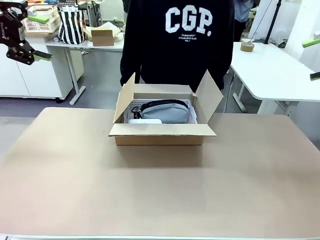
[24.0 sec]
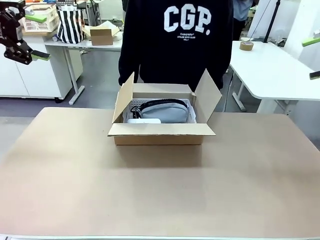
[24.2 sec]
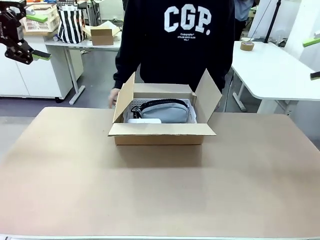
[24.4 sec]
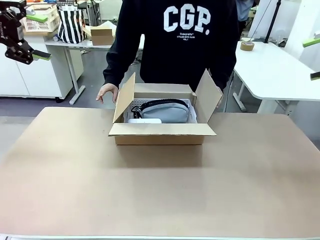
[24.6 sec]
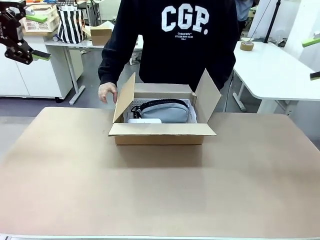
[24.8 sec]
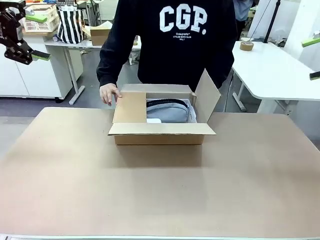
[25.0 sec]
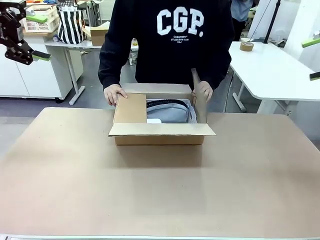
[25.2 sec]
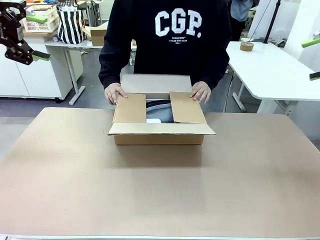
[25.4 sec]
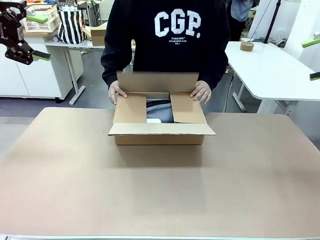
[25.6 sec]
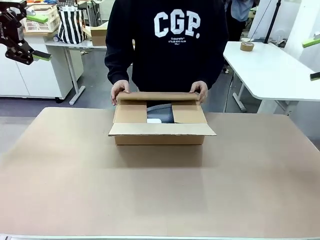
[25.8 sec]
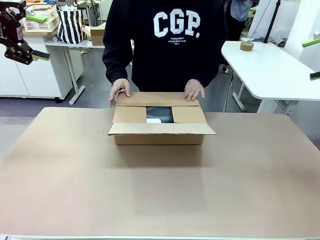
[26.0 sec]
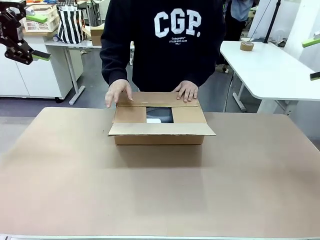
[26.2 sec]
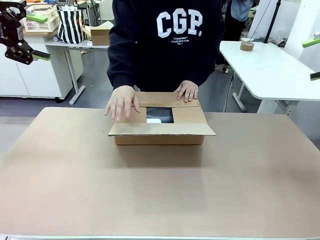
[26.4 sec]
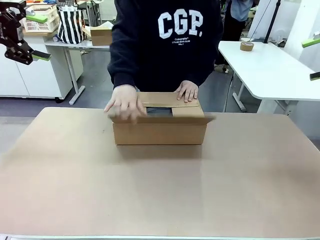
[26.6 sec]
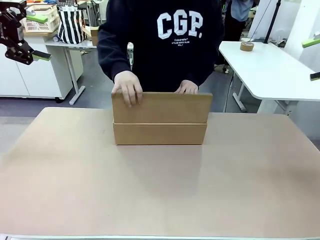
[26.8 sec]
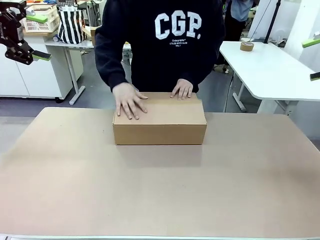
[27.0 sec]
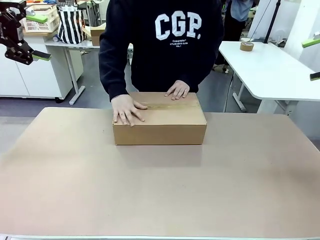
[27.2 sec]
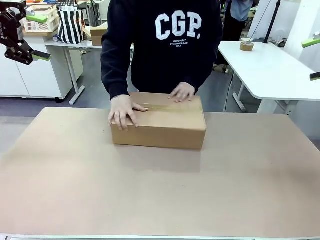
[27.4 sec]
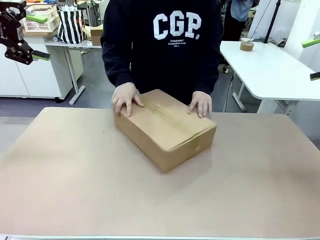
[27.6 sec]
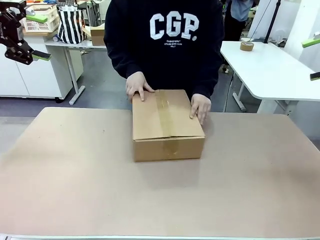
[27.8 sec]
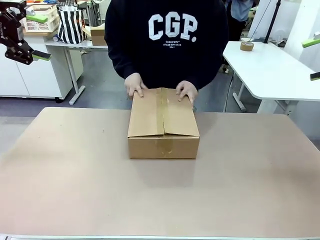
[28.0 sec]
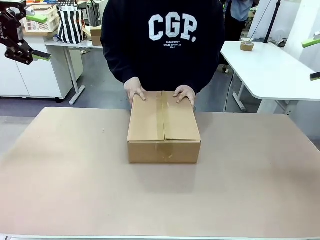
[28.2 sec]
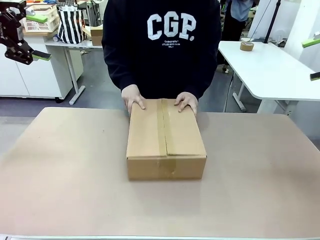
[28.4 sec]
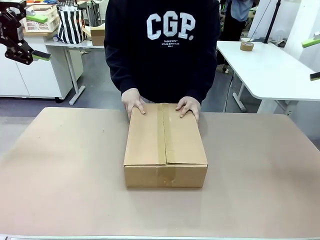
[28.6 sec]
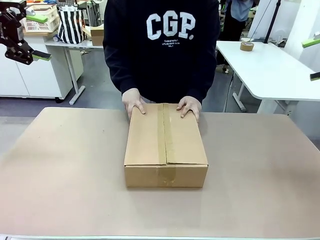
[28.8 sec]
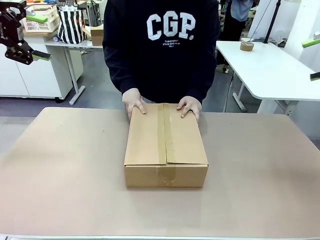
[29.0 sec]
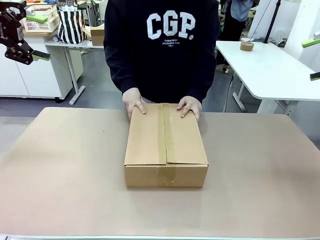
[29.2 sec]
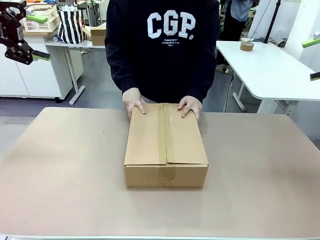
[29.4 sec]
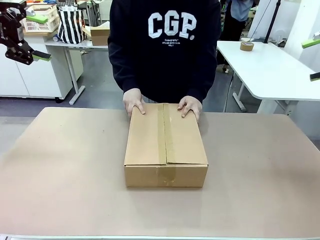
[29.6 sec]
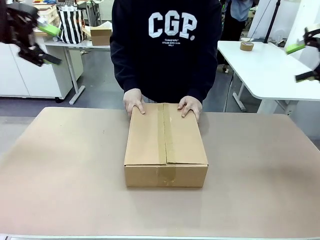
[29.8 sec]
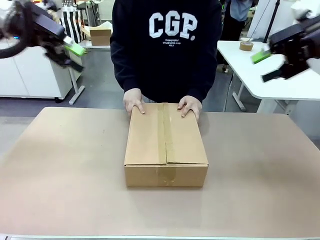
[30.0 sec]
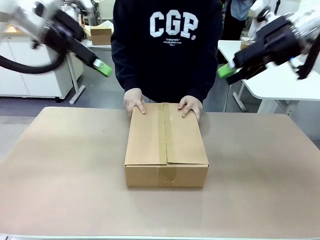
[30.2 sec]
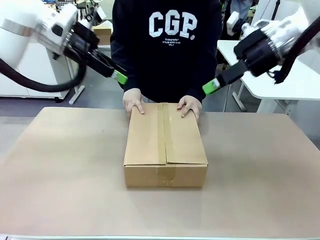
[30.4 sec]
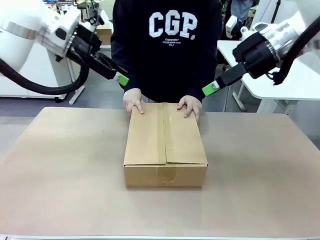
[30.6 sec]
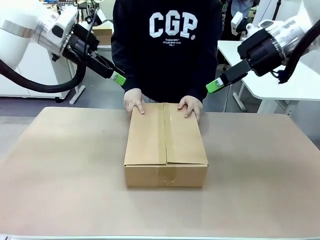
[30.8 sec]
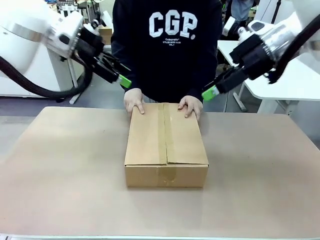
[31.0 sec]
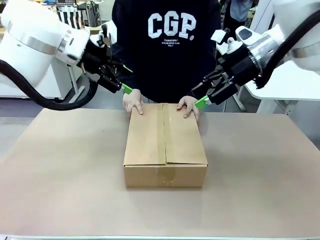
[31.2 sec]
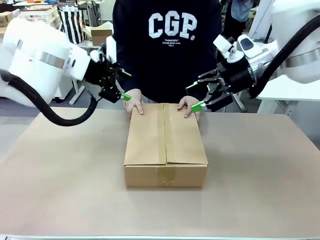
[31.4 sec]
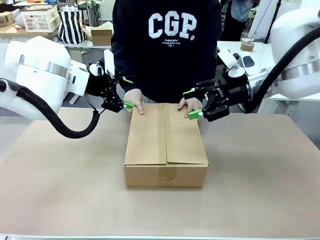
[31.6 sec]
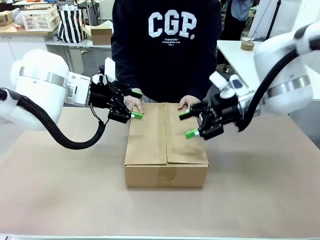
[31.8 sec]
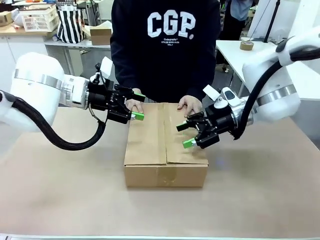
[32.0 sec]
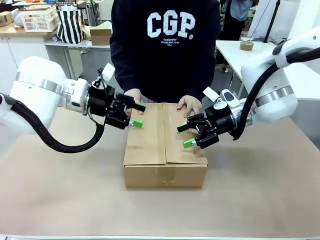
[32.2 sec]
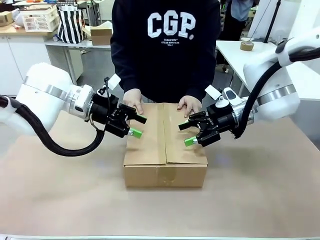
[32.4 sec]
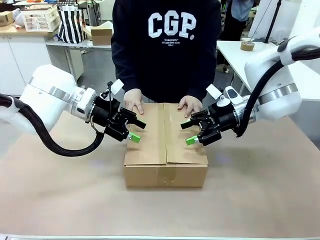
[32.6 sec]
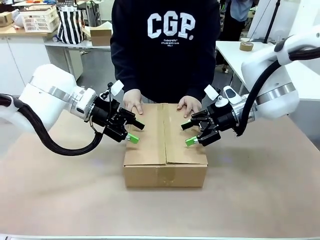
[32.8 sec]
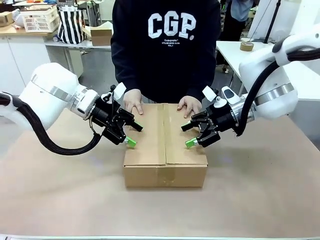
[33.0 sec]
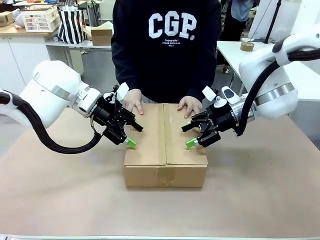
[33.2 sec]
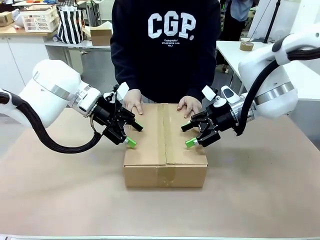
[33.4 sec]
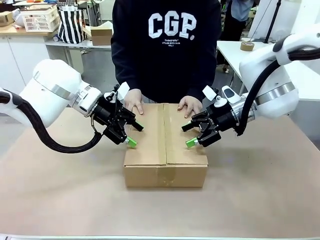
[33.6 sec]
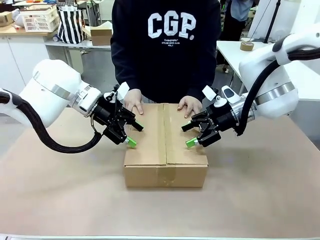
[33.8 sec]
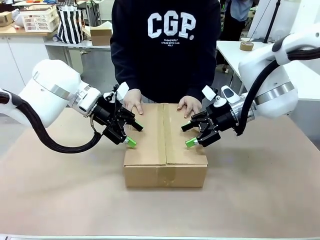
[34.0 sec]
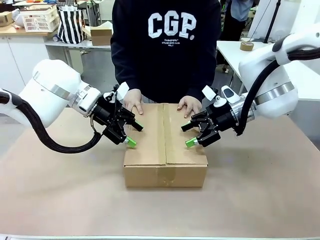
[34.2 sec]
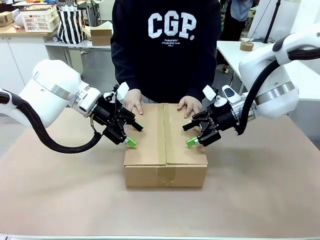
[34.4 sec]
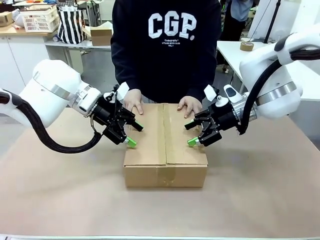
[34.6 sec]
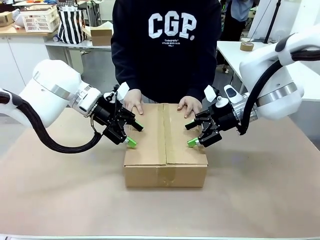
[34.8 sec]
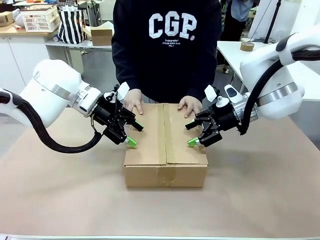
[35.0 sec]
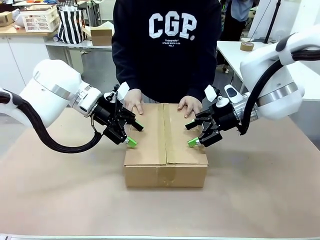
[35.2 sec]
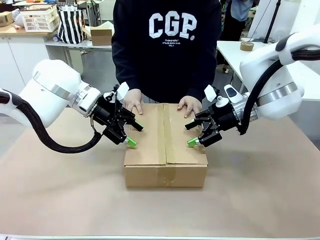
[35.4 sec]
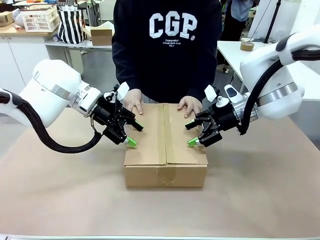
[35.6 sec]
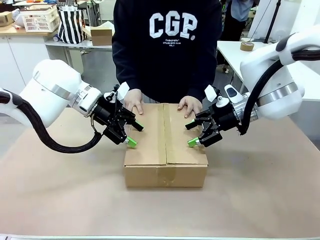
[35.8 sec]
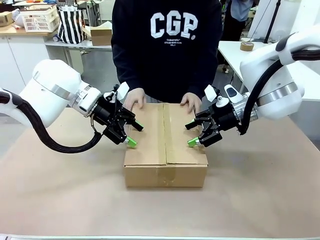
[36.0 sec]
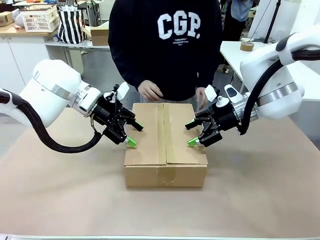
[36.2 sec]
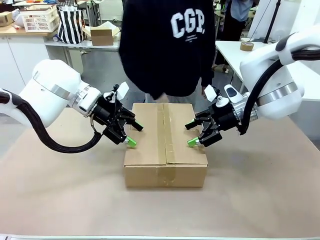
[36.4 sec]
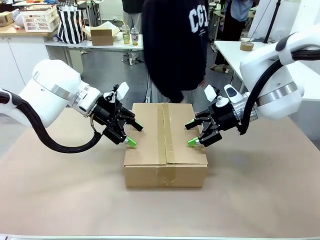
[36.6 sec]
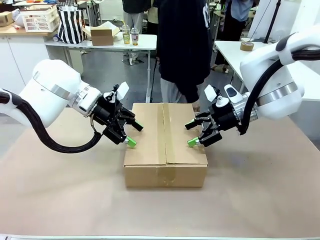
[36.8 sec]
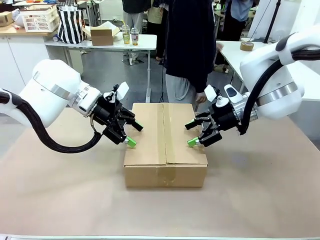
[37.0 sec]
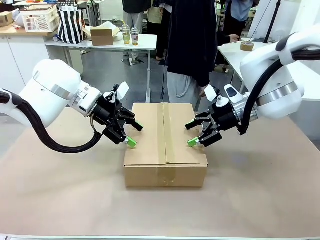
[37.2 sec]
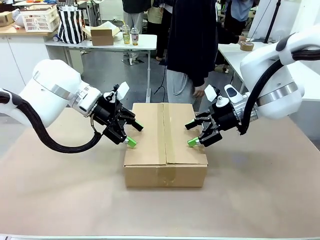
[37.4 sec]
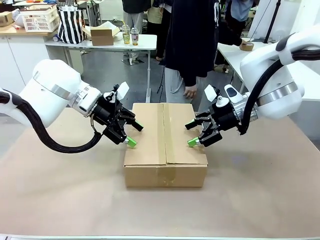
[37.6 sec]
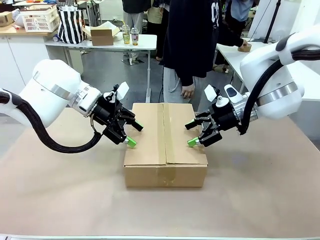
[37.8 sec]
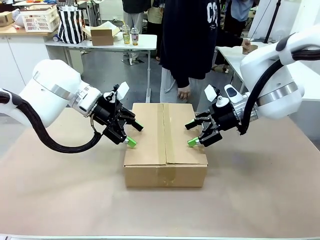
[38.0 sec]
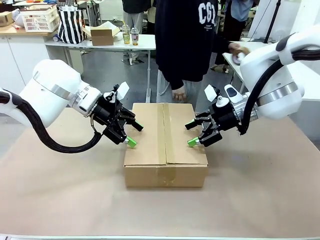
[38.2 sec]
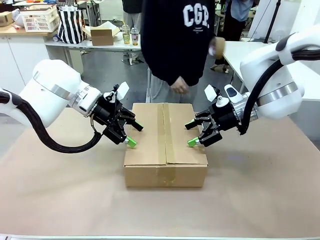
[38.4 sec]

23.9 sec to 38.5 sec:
Task: Pack the gift set into the box.
Robot: Press and hold the closed box until the human finishes sealing it.
Person: The human closes the box and rotates the box by 90 degrees.
